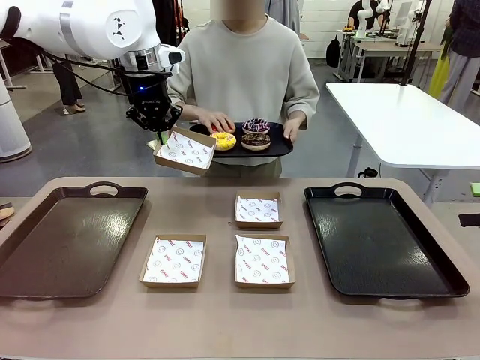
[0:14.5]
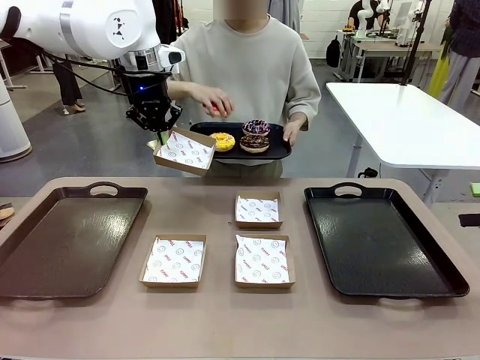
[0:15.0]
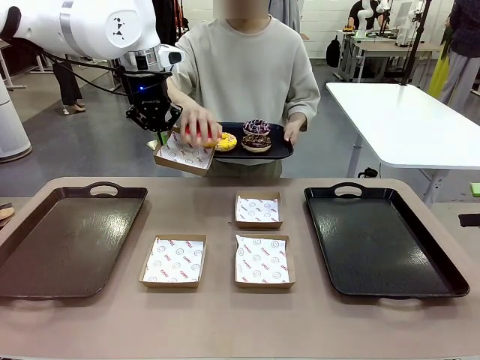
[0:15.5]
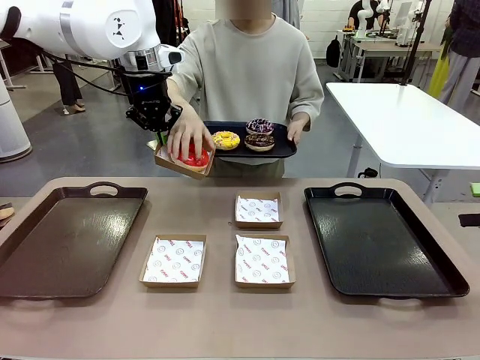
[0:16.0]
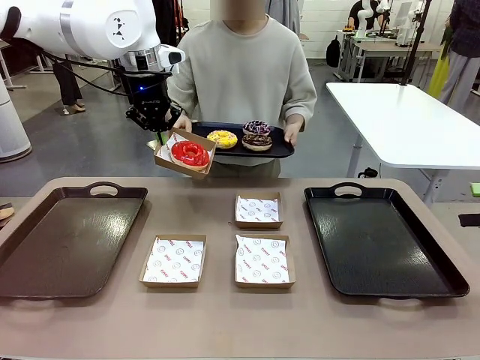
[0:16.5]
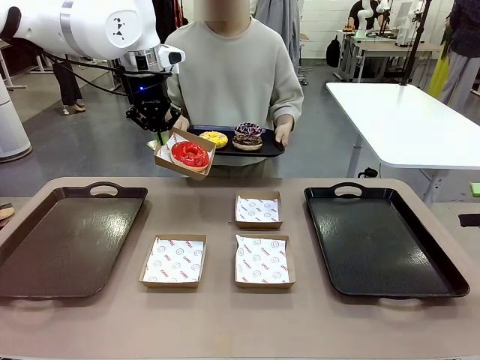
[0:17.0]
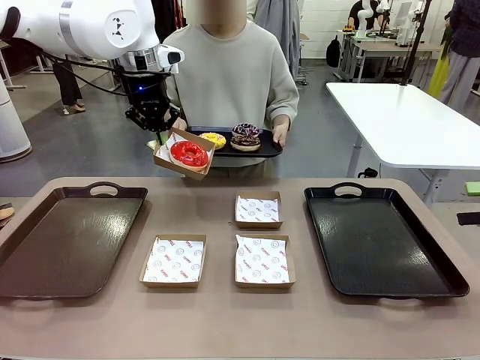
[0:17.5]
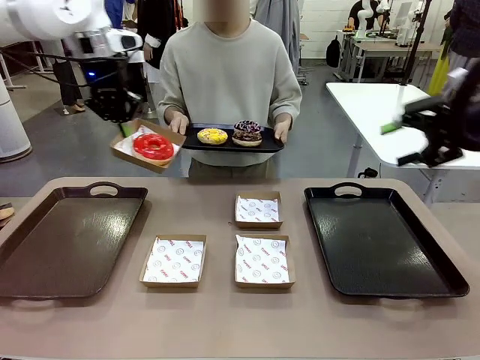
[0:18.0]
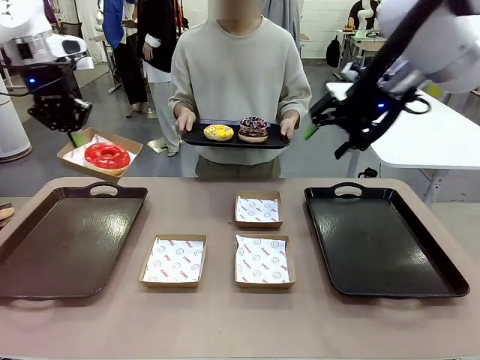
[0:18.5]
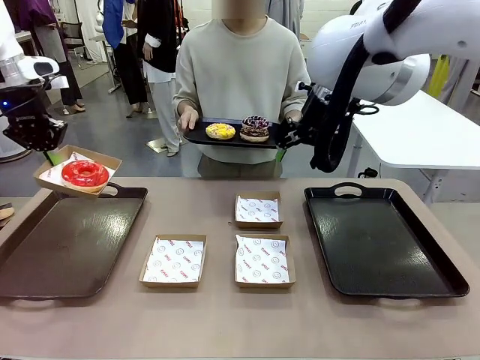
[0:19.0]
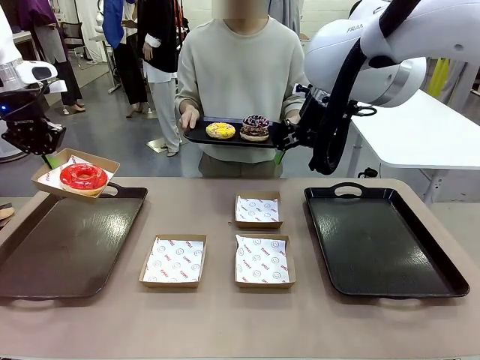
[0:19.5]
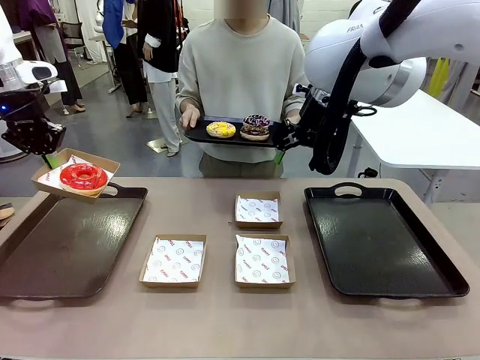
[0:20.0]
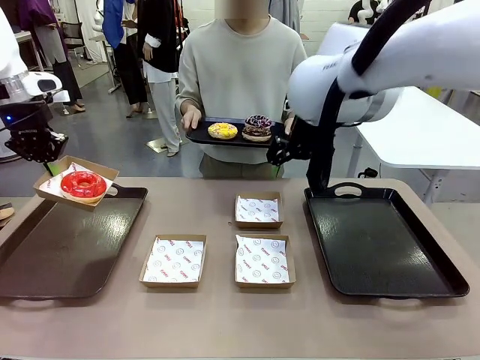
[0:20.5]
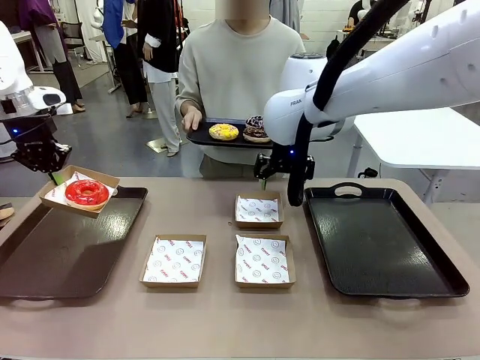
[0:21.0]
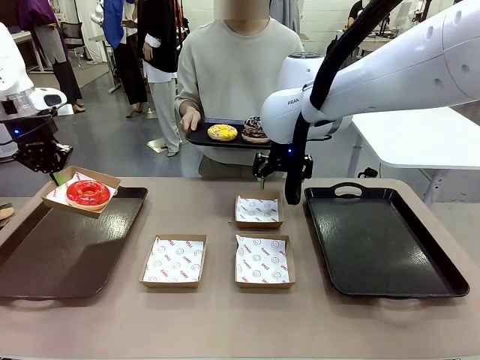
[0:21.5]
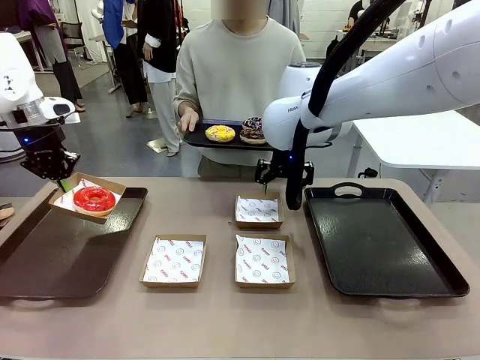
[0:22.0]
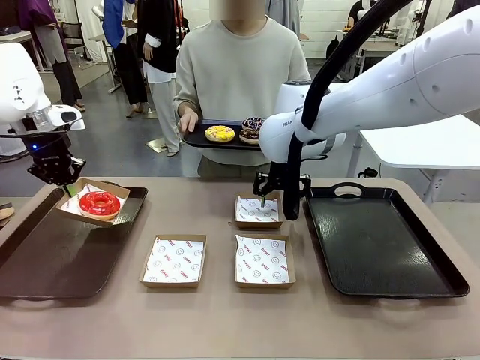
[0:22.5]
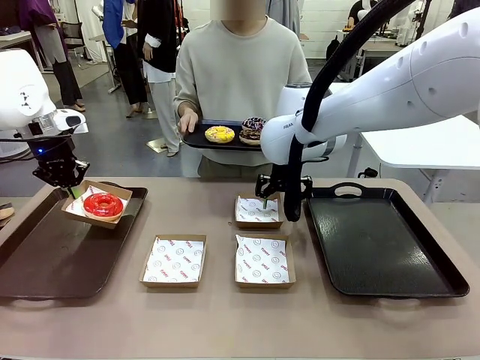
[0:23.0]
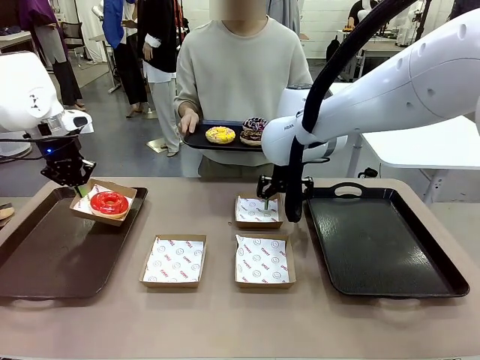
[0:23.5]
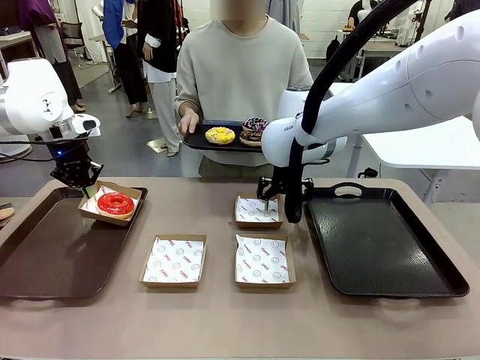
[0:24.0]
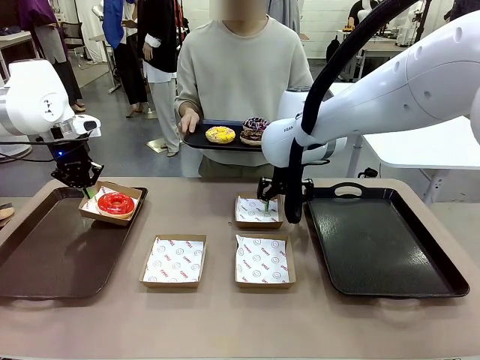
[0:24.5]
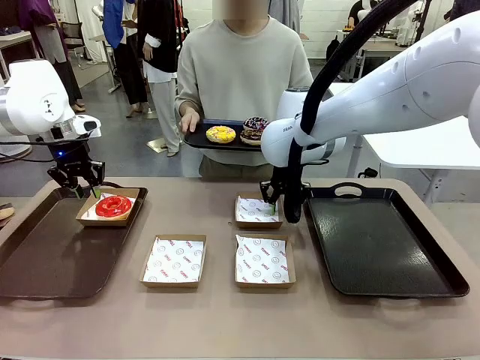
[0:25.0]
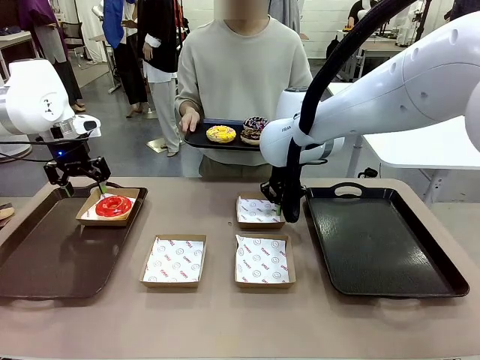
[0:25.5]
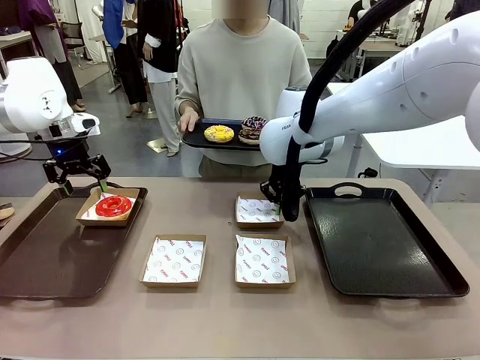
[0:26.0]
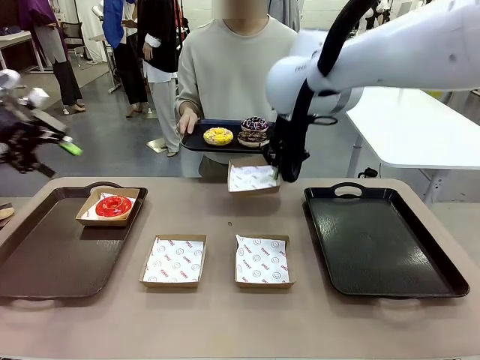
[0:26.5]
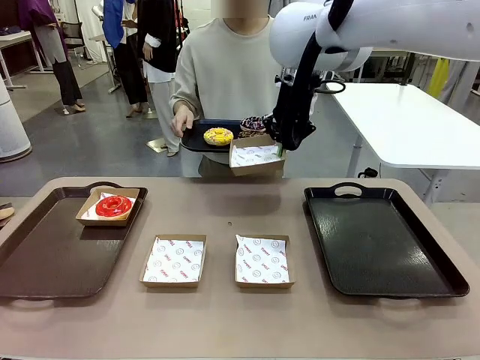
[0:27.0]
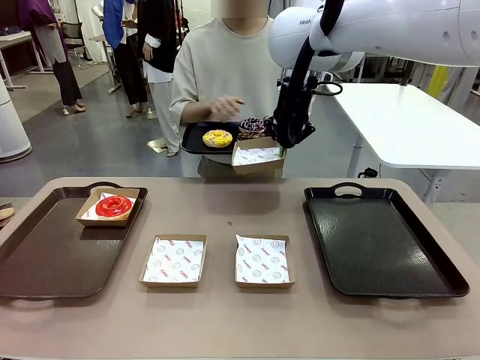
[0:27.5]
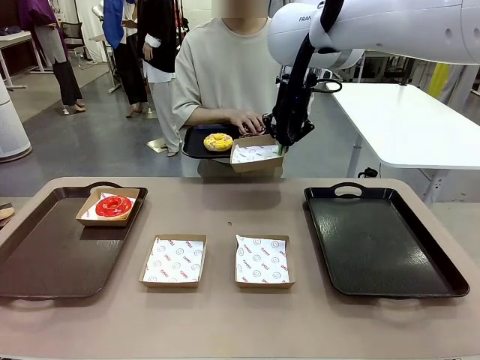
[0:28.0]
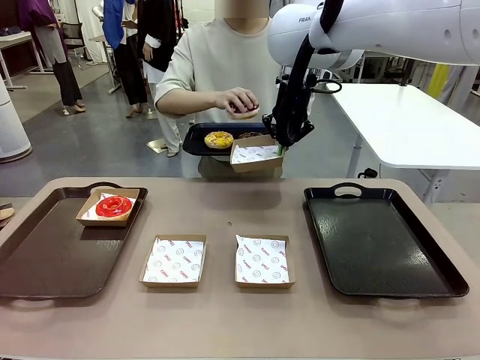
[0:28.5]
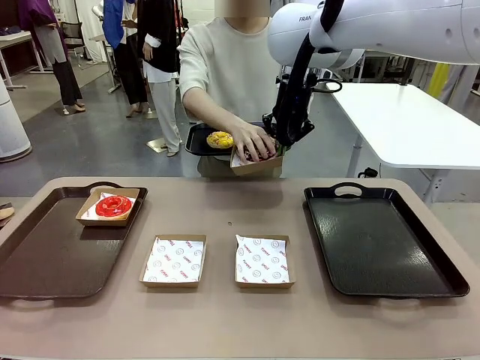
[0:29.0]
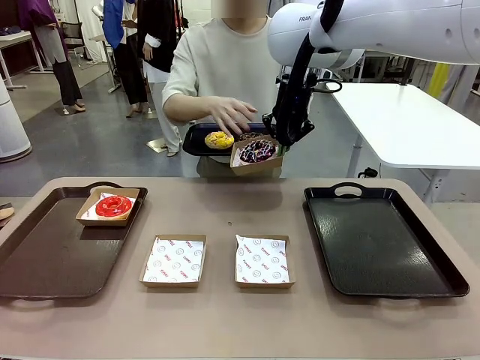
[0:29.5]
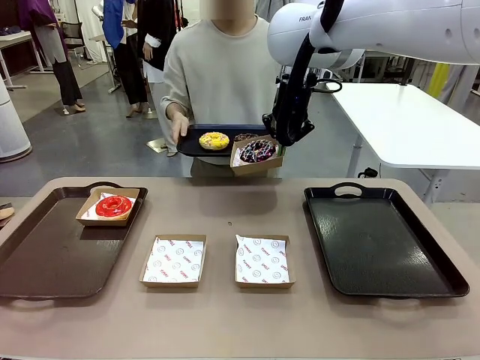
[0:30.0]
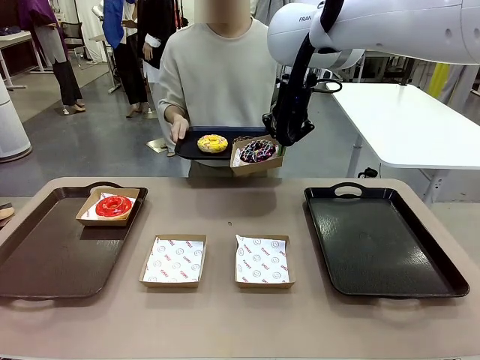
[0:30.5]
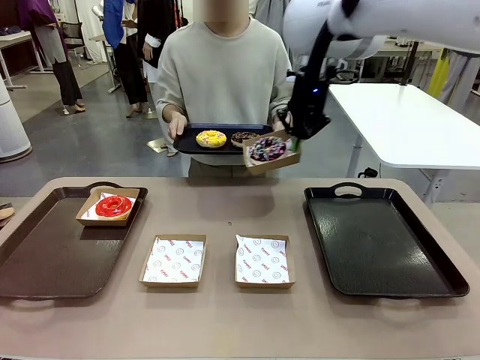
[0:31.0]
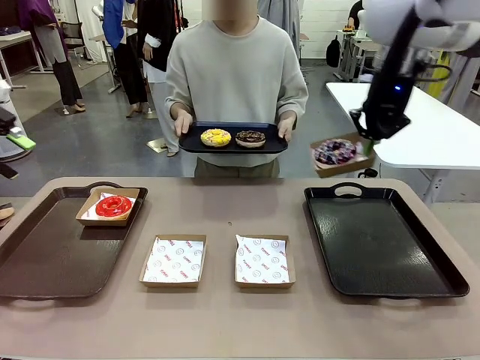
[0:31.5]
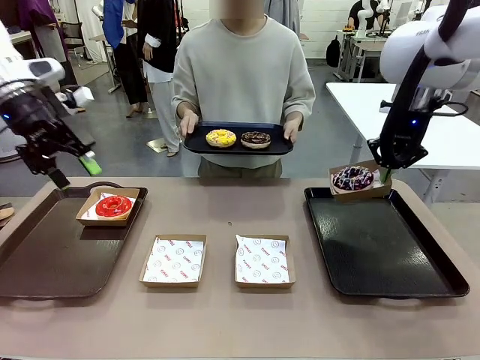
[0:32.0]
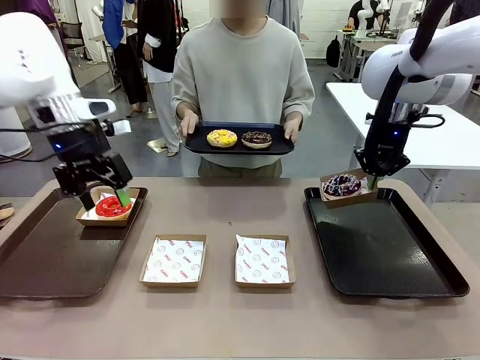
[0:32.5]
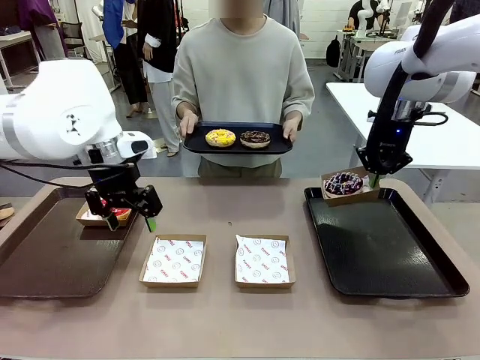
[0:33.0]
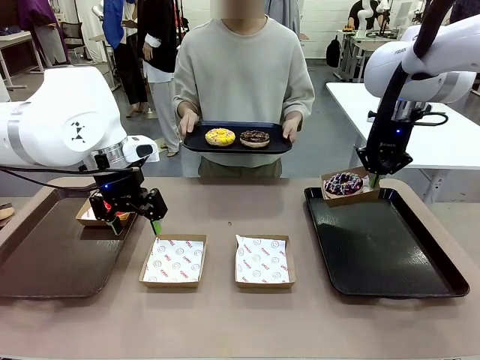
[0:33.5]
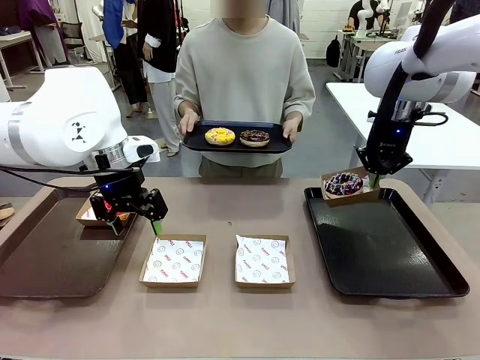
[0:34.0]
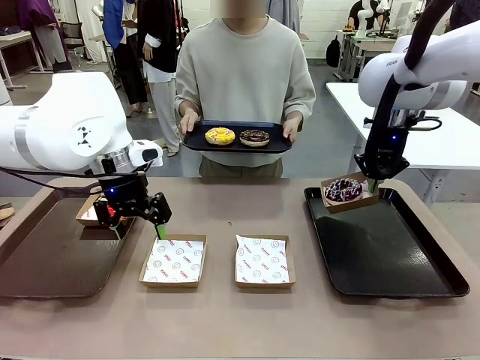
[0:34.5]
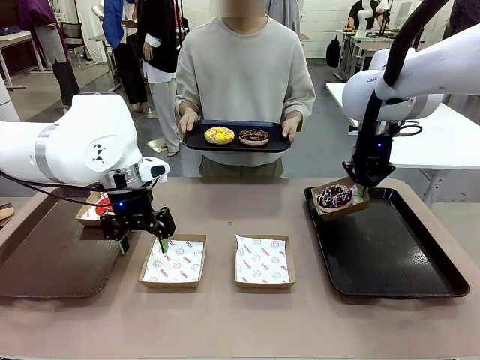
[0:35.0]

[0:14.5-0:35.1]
Task: Individually package the donuts and arrange them on the tray.
Robot: Place the picked Paper togo box on the Handle tray while simultaneously picking up another Paper togo box from the table with the other hand.
